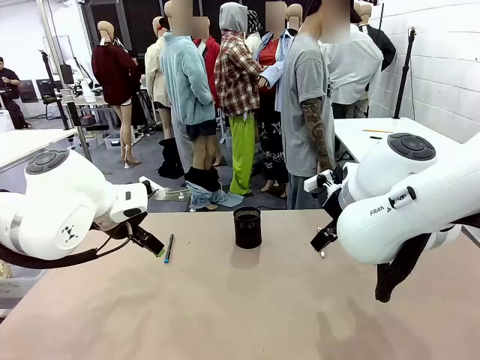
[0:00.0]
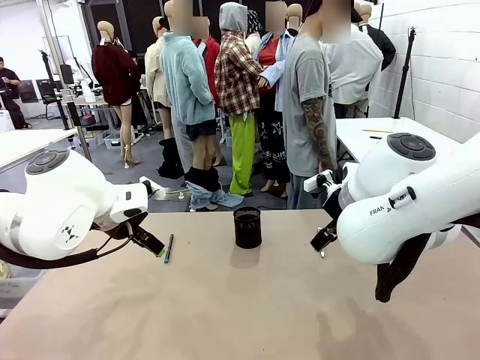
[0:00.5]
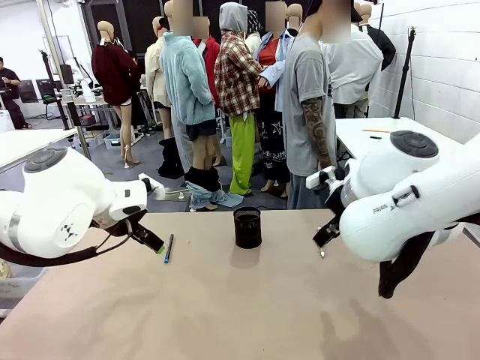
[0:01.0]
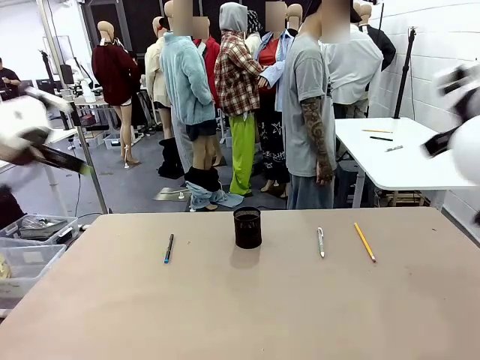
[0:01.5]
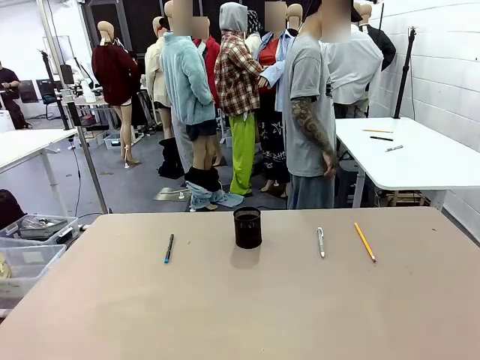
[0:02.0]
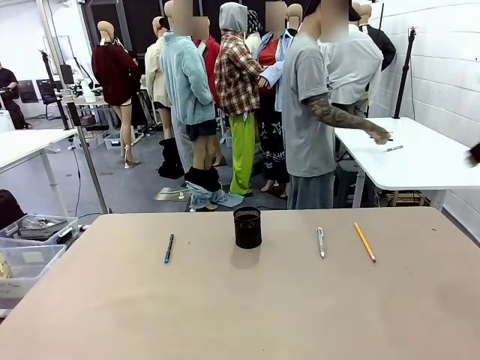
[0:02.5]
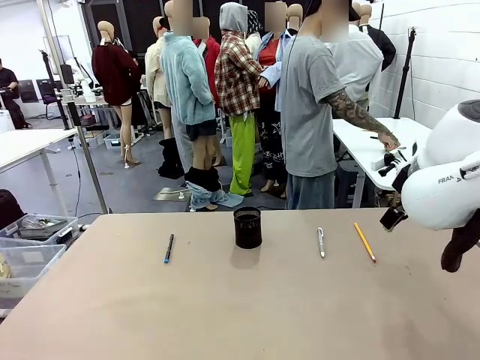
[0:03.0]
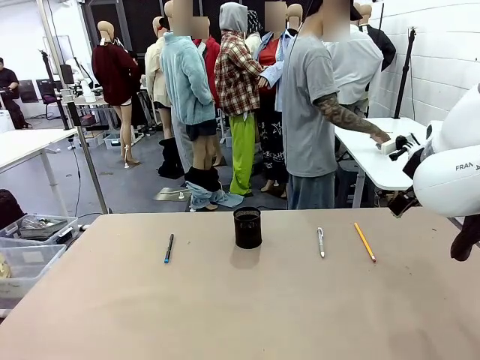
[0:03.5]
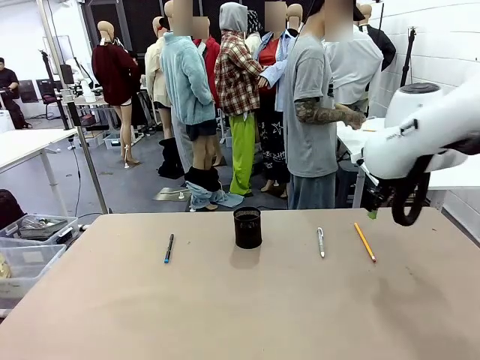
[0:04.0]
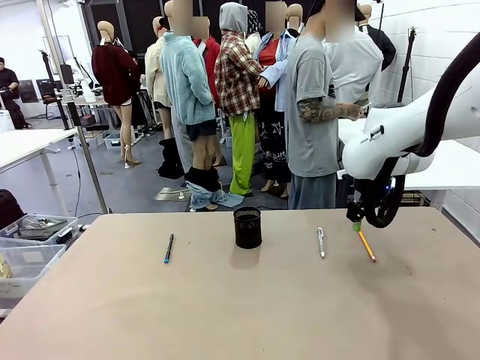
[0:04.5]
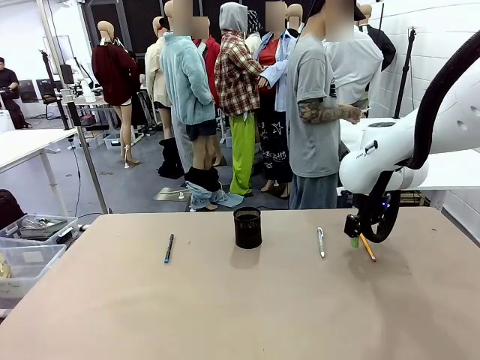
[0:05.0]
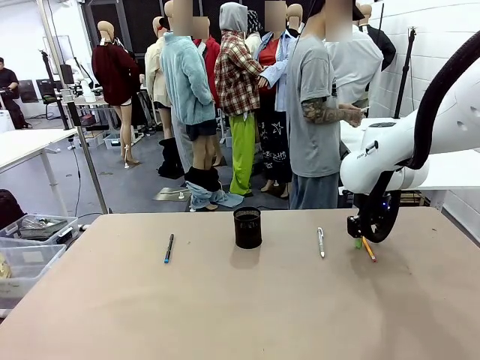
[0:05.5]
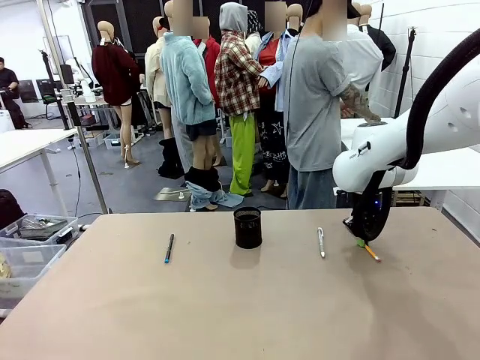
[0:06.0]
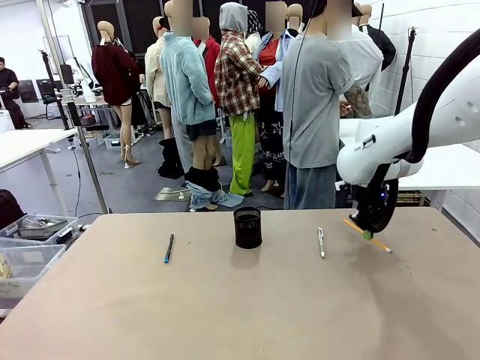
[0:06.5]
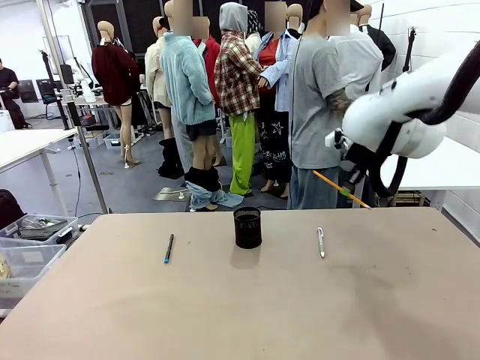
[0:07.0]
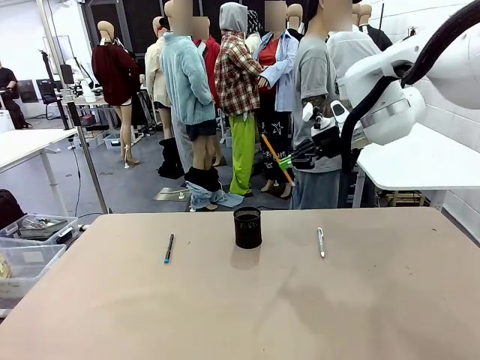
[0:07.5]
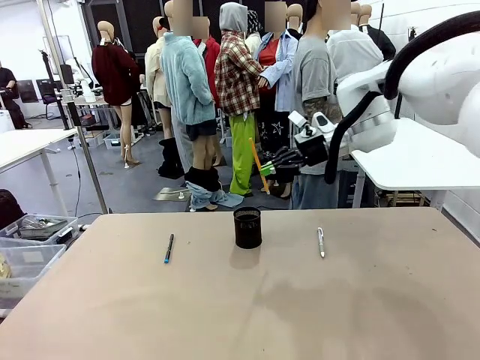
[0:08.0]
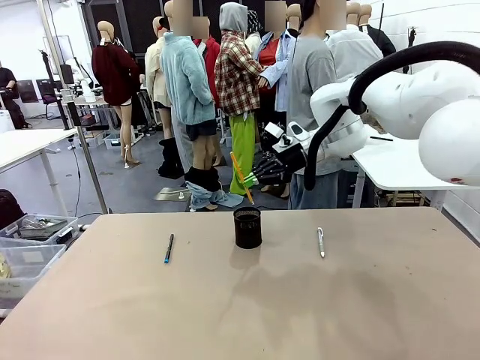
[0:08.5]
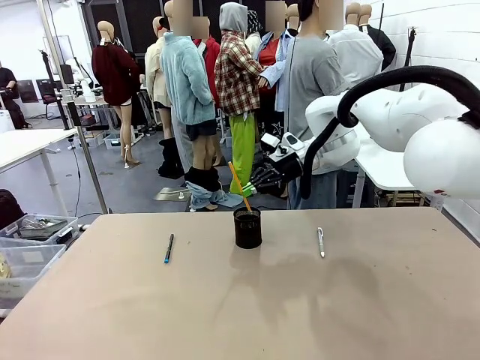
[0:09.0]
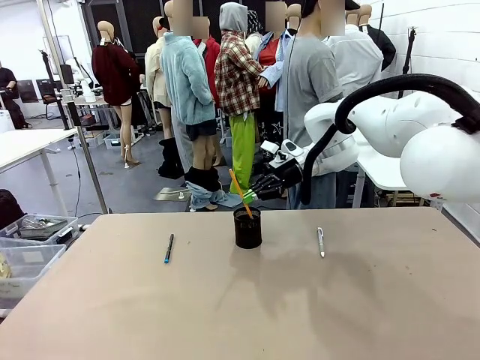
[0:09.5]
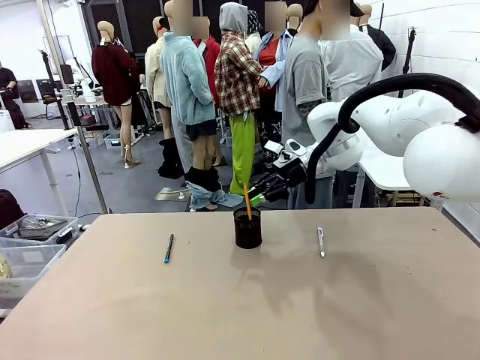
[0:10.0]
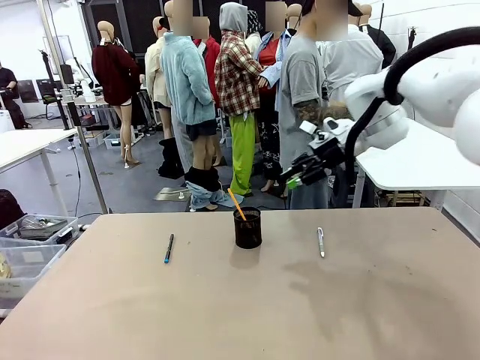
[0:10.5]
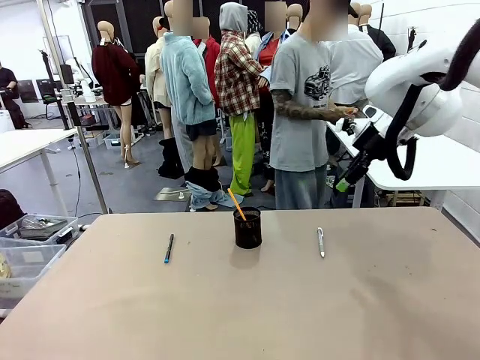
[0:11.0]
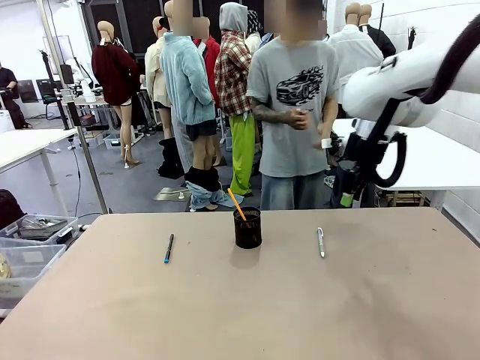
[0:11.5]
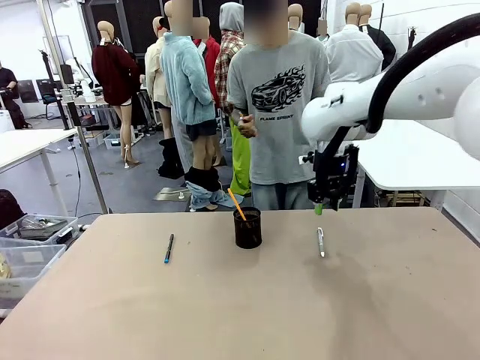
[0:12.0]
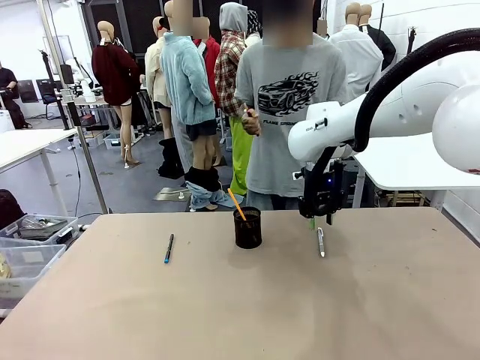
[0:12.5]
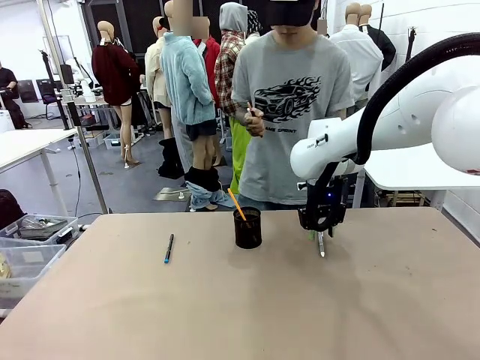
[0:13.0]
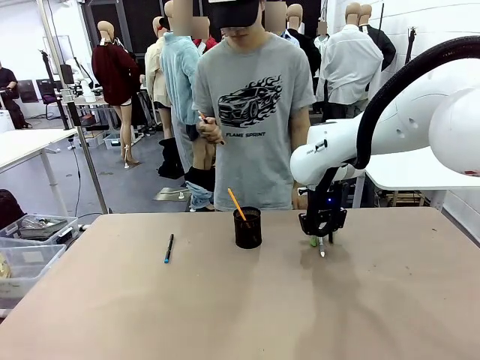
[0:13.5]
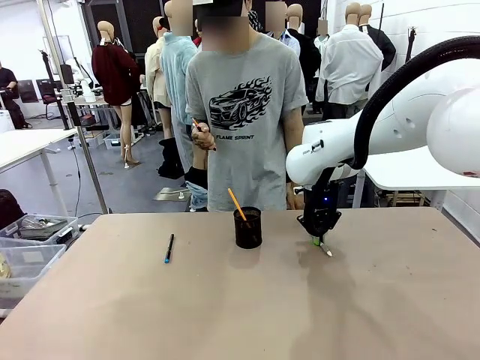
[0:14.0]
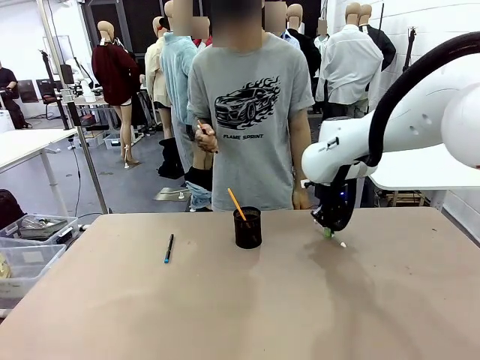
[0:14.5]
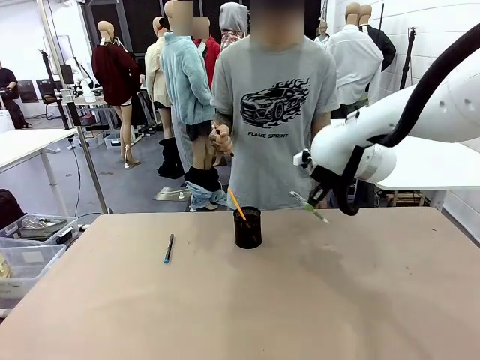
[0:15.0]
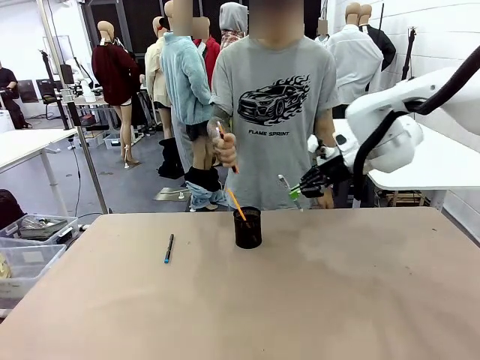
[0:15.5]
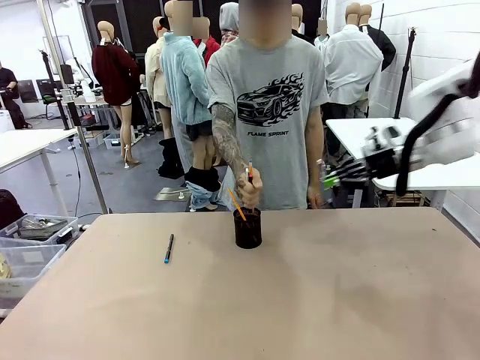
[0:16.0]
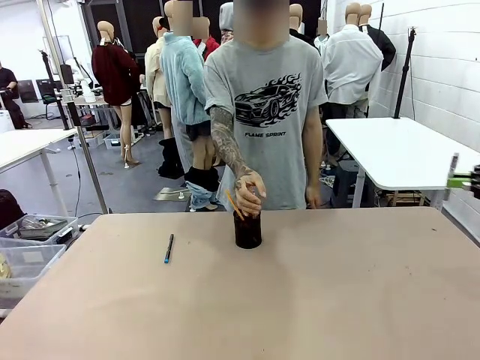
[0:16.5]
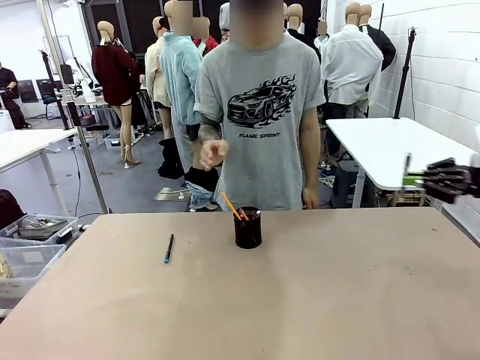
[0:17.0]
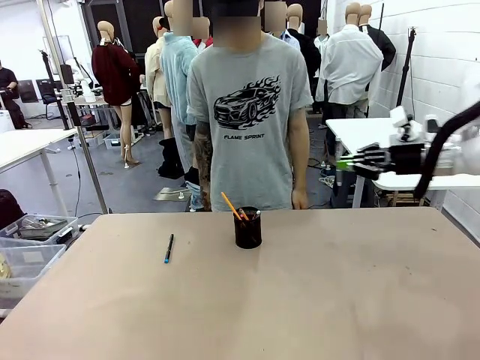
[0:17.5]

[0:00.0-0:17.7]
Task: Place the pens into the pen holder.
Robot: Pick up a writing instrument from the table and place it into the Pen holder.
Person: Pick up all writing instruments from the Human table.
